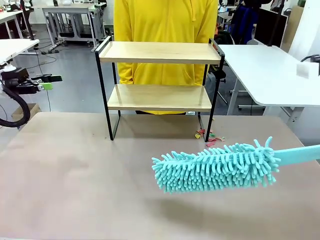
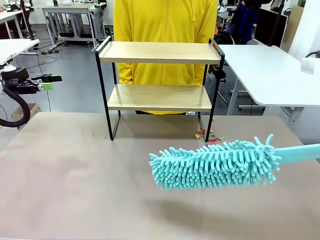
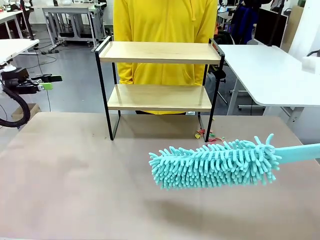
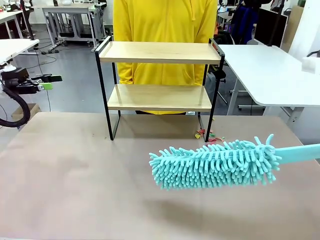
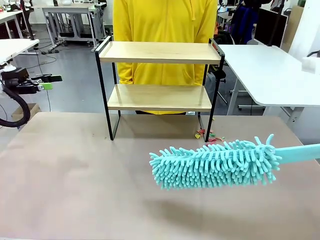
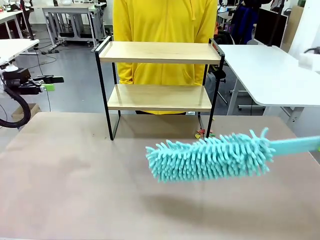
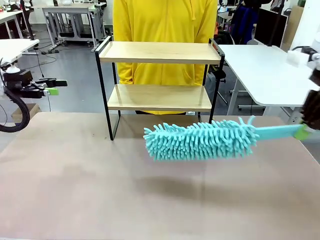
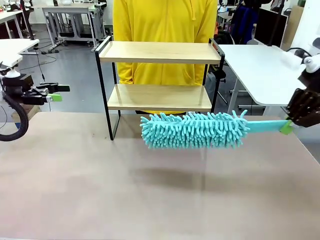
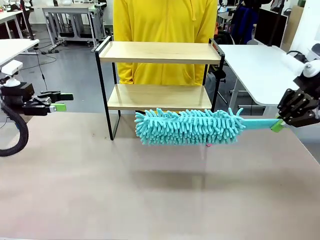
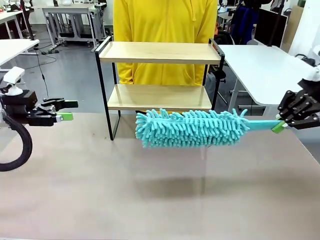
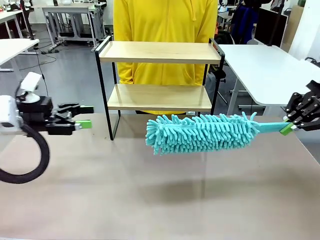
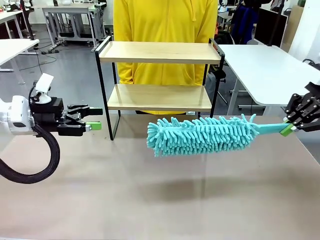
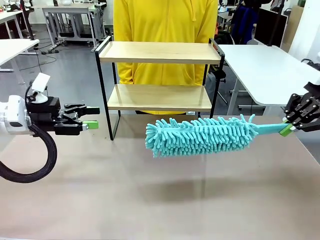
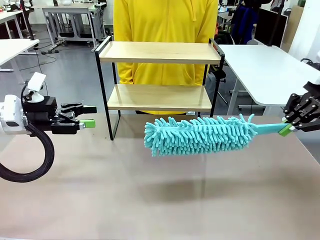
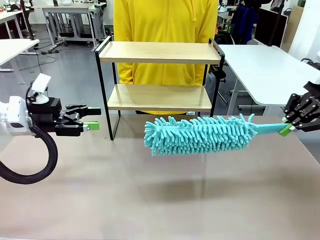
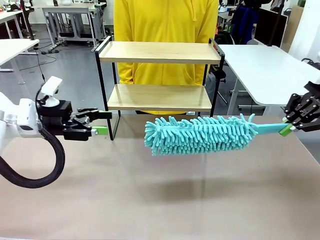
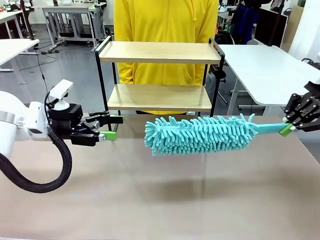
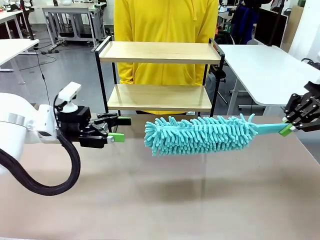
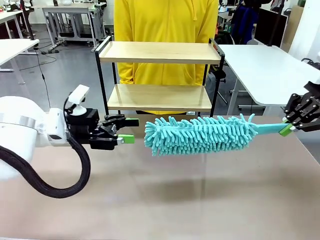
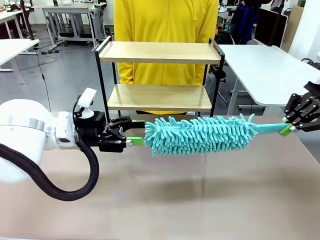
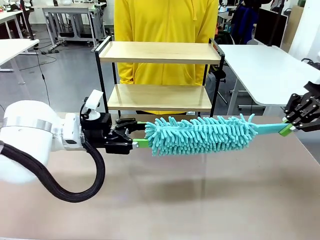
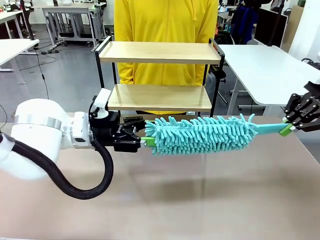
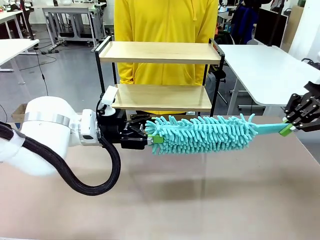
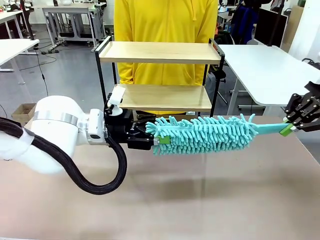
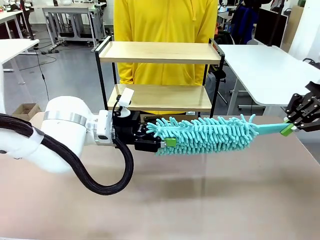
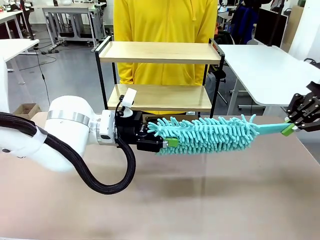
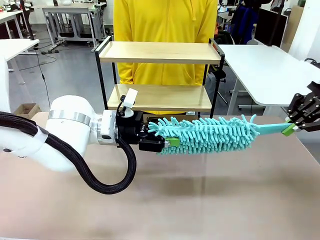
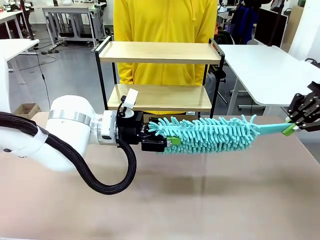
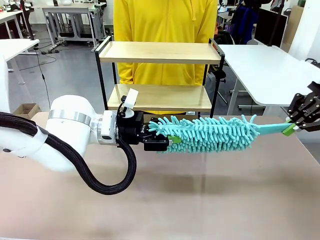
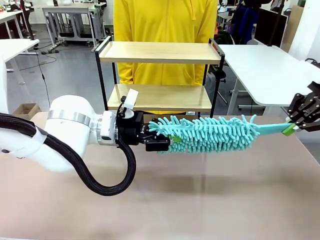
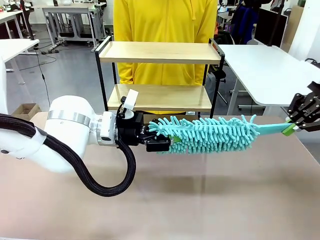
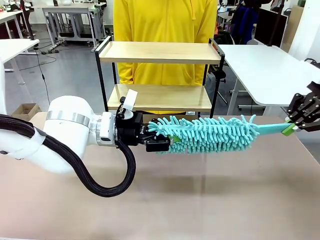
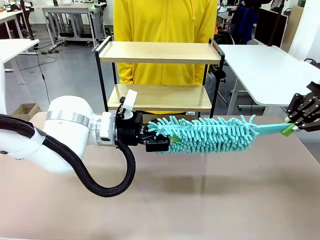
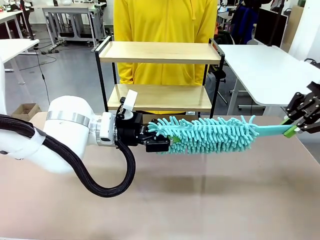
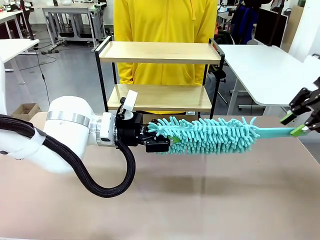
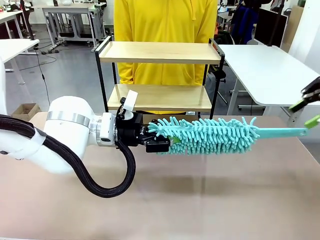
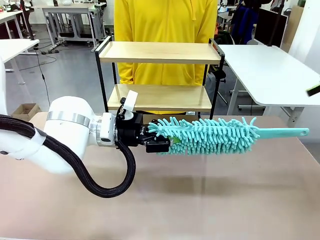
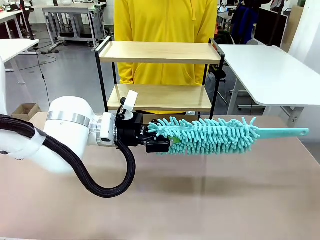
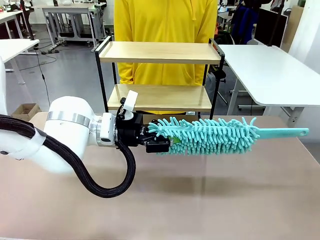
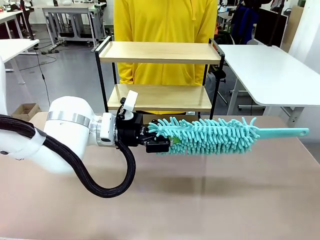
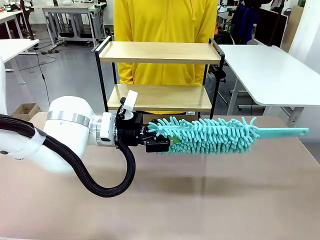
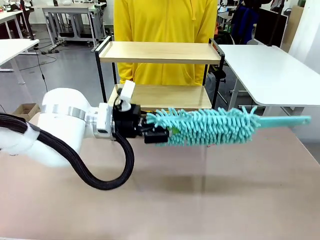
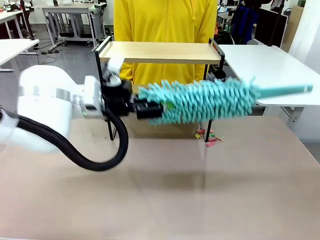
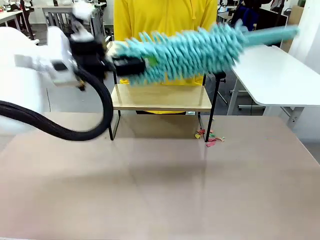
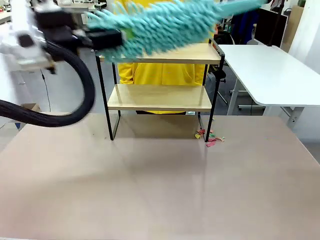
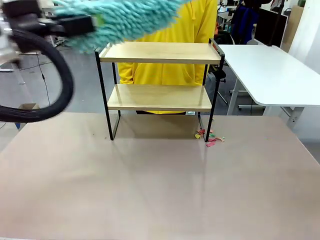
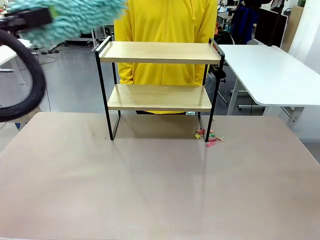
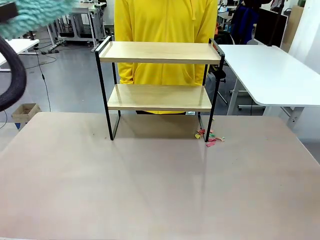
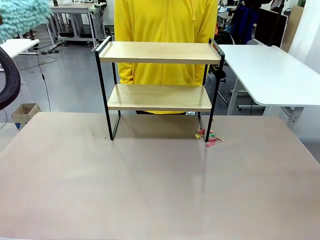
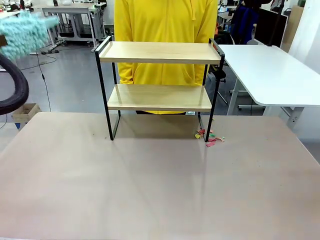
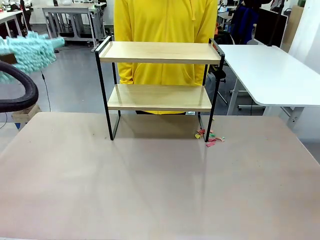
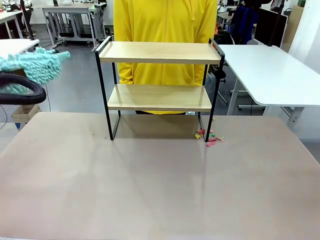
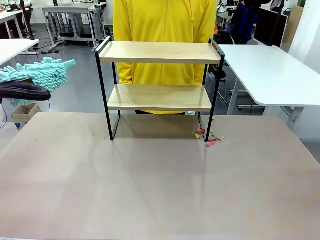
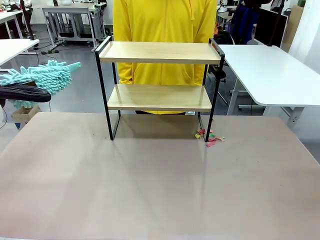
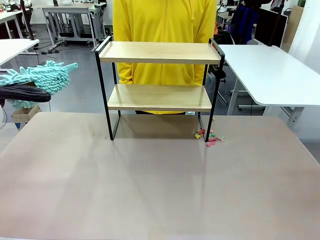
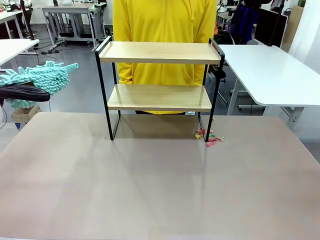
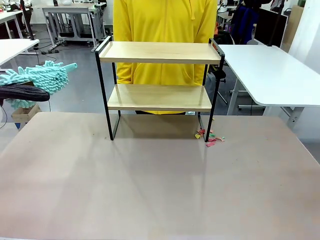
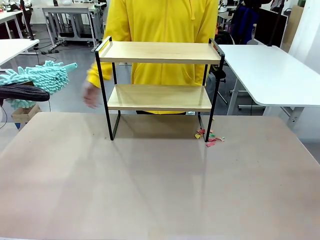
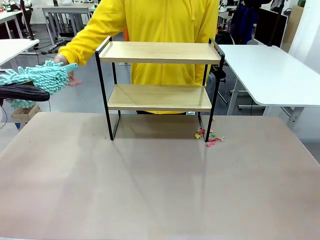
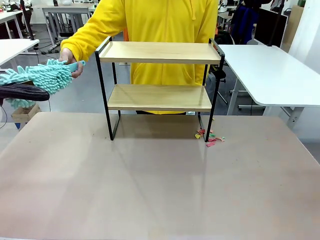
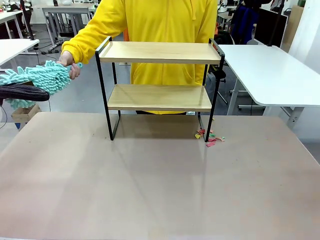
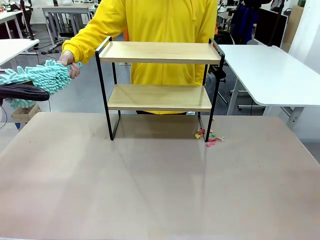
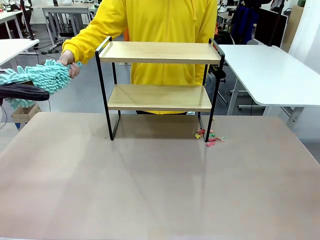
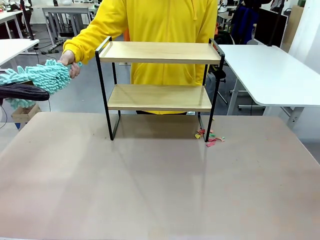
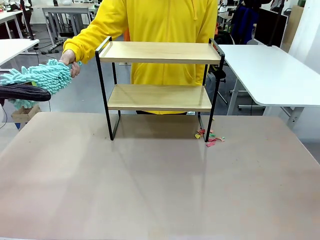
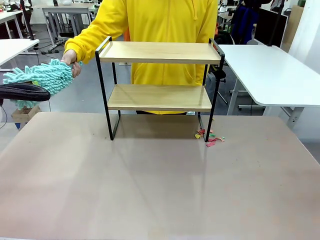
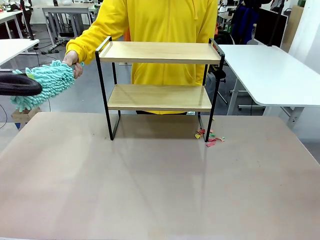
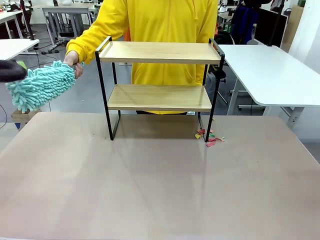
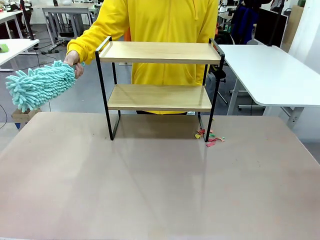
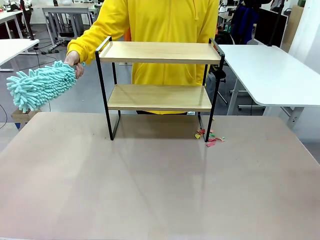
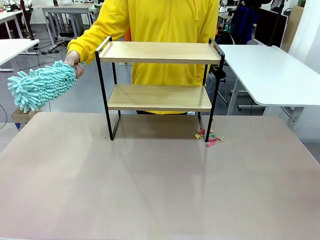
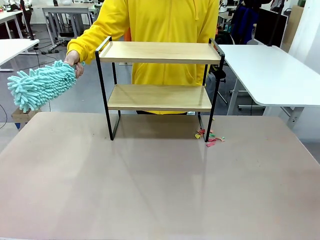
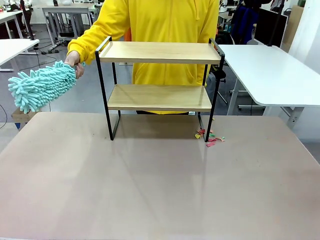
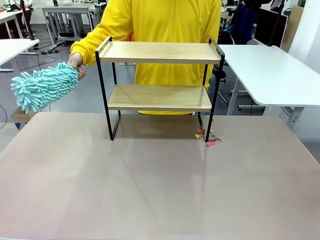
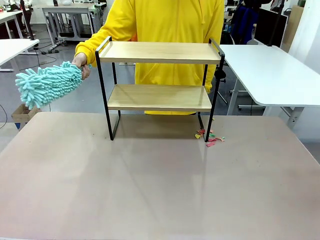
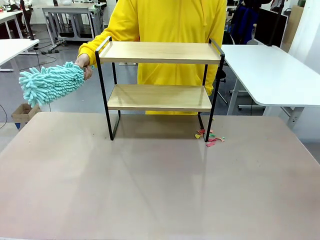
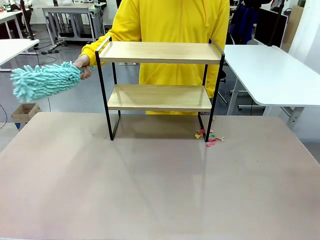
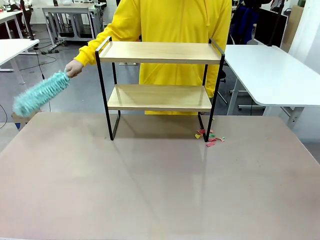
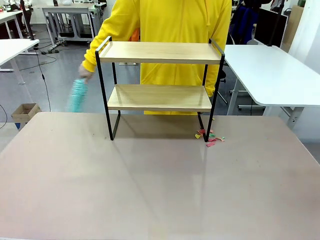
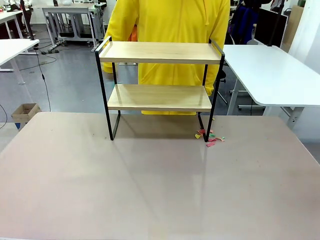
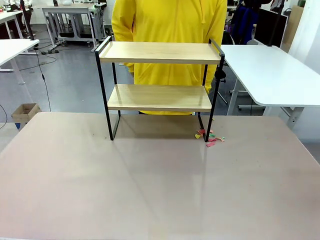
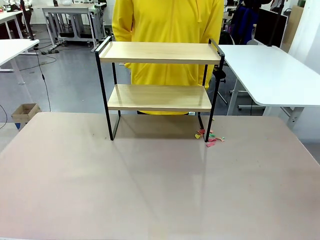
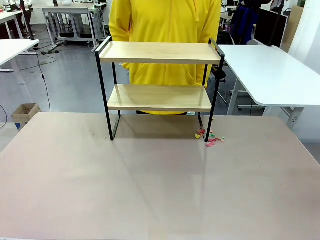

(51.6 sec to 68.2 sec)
Task: Clean the shelf.
Robot: Hand the Duster back to the human.
Person: Receive the Duster from the robot.
